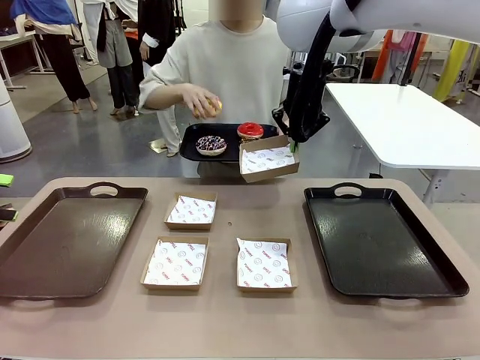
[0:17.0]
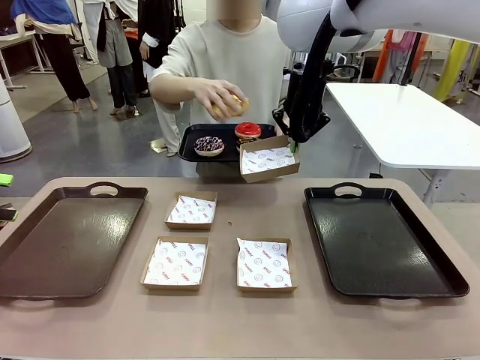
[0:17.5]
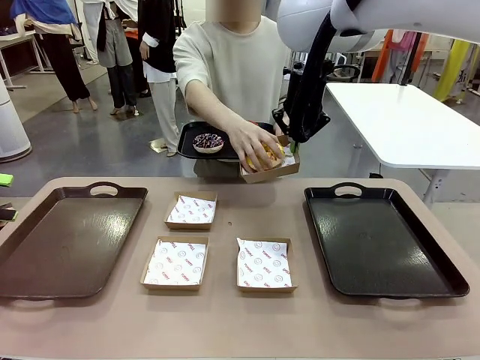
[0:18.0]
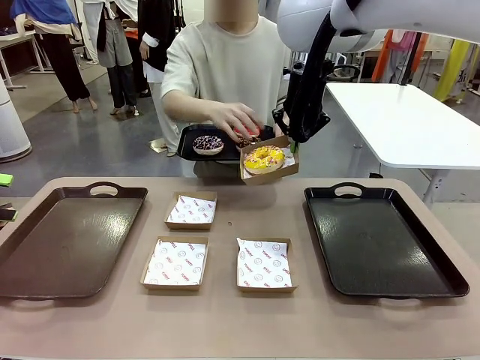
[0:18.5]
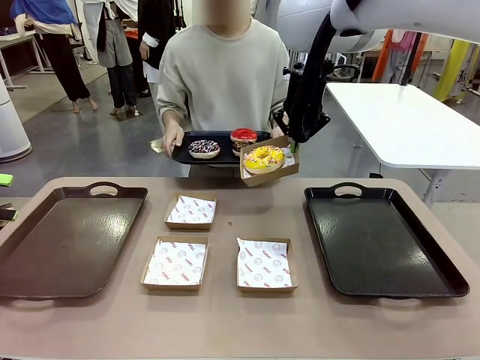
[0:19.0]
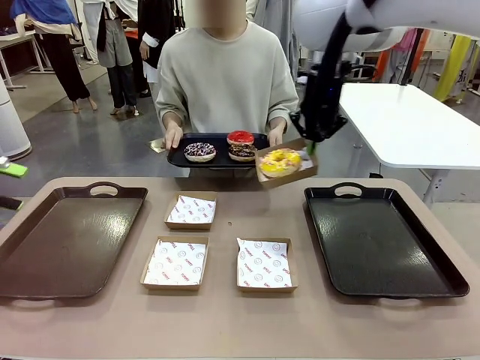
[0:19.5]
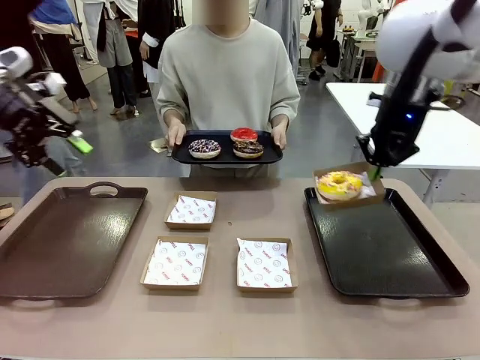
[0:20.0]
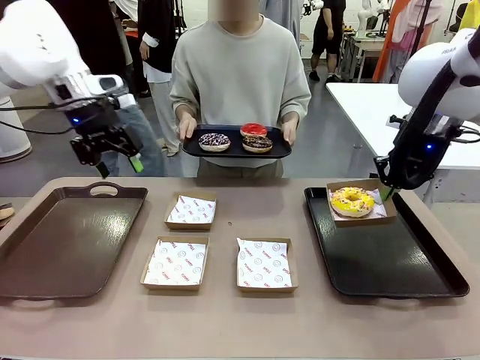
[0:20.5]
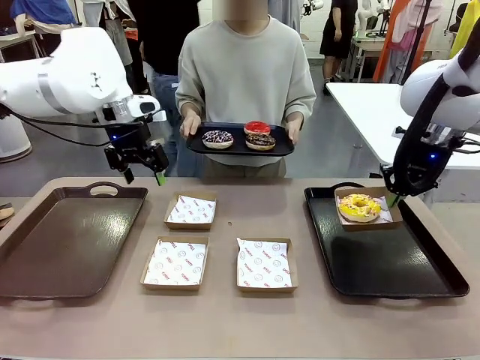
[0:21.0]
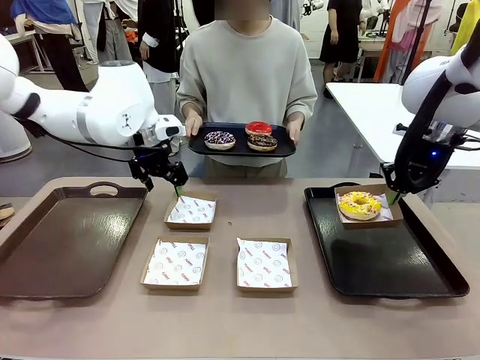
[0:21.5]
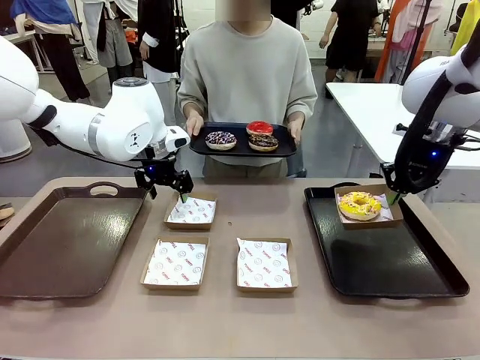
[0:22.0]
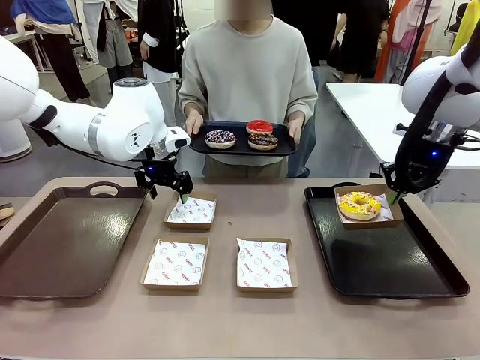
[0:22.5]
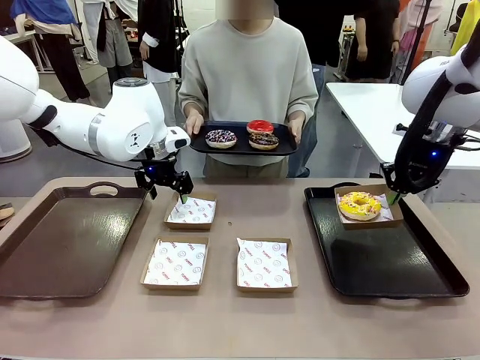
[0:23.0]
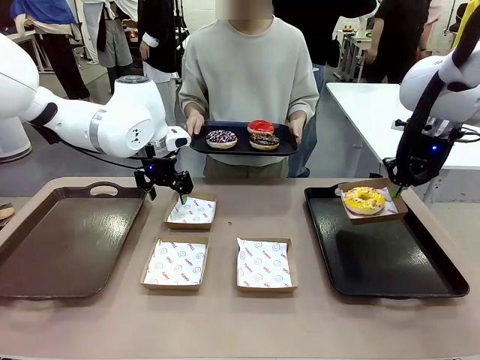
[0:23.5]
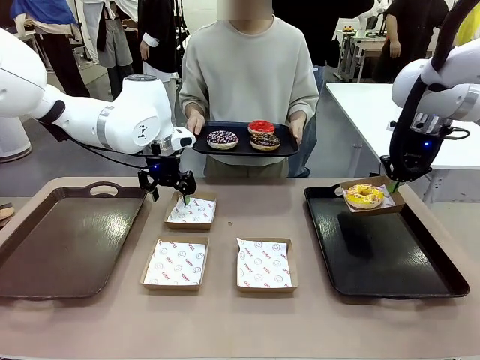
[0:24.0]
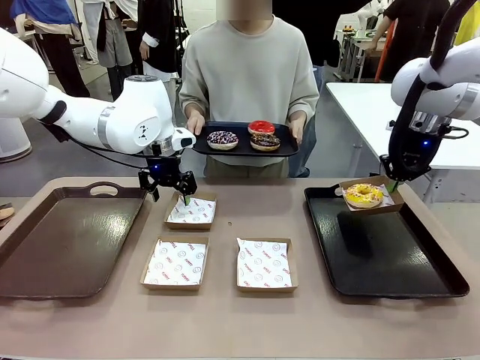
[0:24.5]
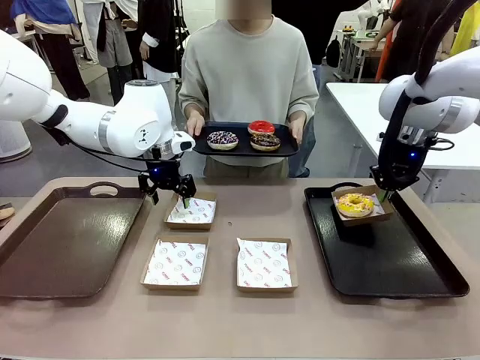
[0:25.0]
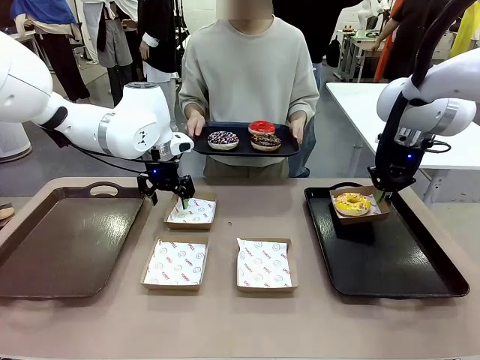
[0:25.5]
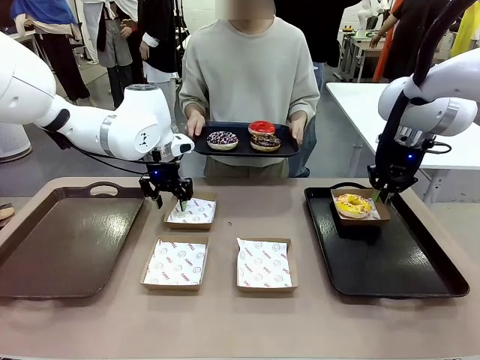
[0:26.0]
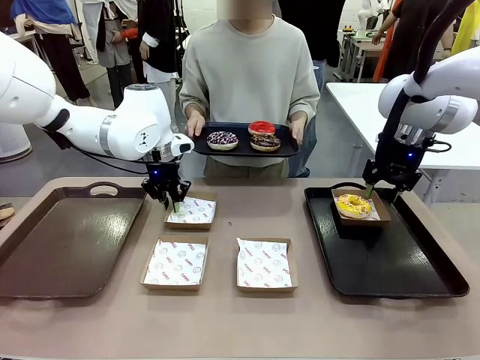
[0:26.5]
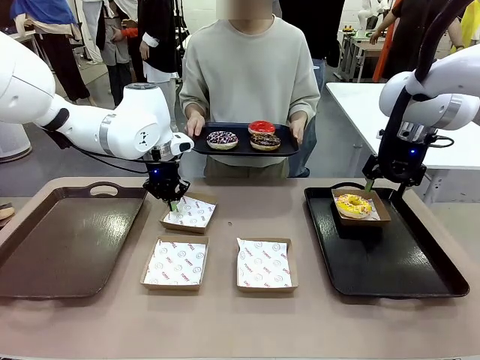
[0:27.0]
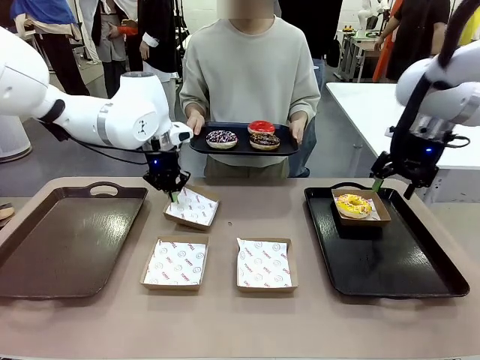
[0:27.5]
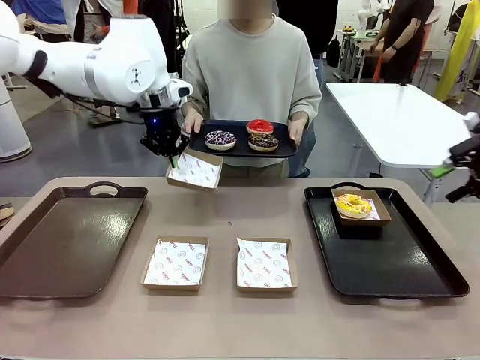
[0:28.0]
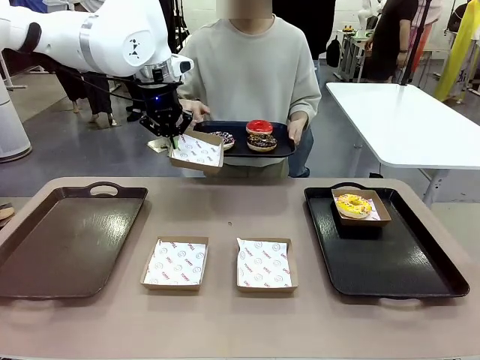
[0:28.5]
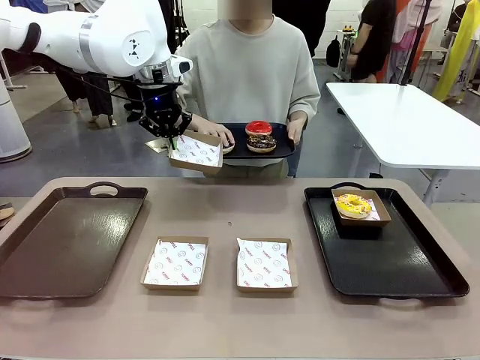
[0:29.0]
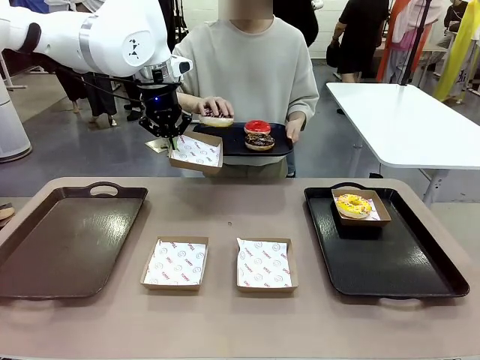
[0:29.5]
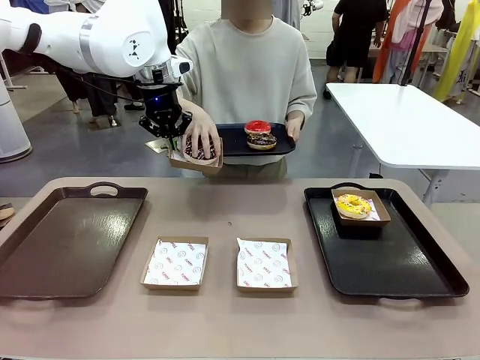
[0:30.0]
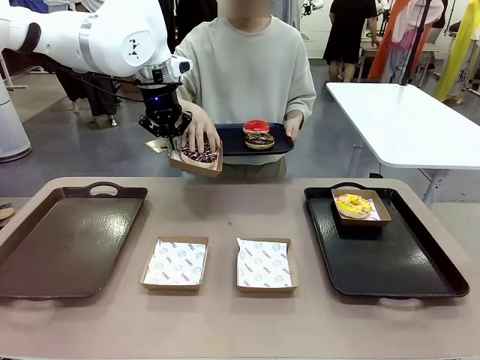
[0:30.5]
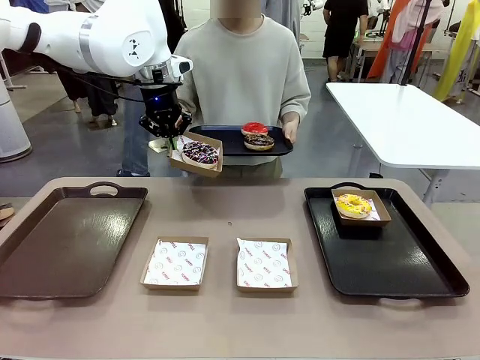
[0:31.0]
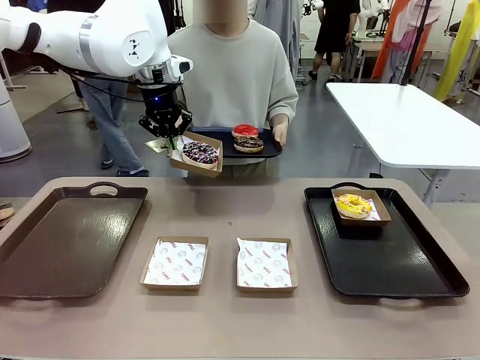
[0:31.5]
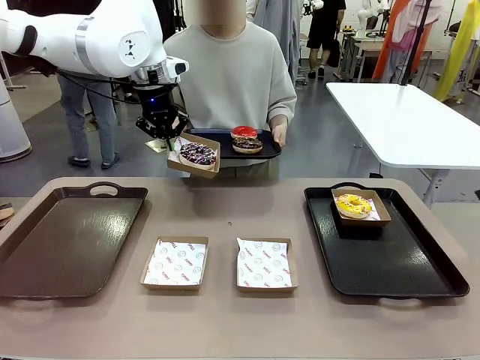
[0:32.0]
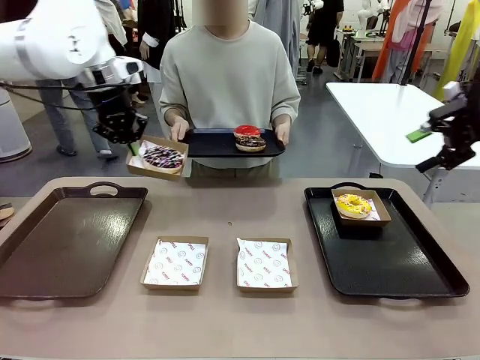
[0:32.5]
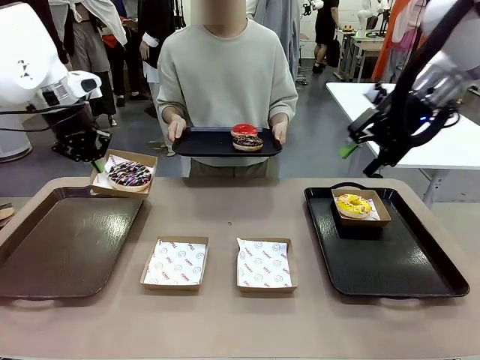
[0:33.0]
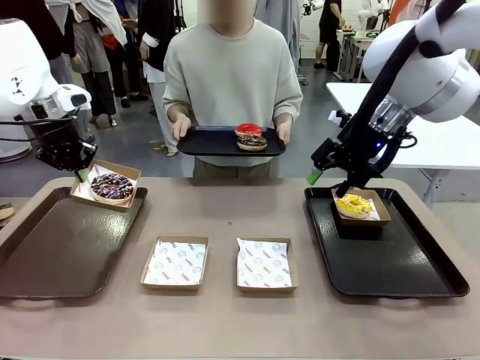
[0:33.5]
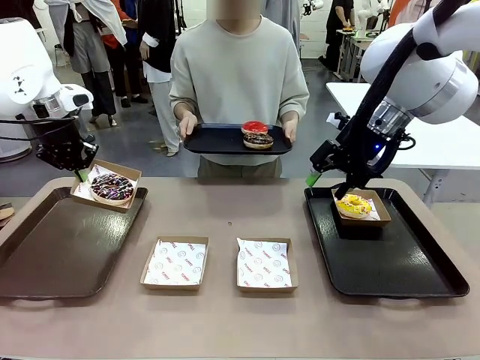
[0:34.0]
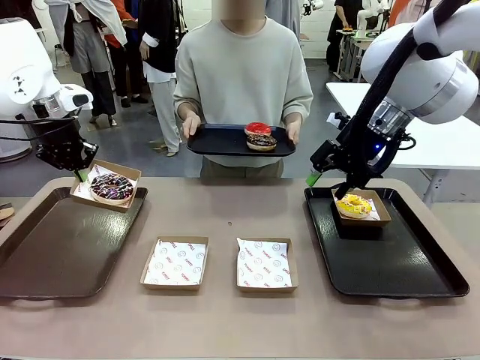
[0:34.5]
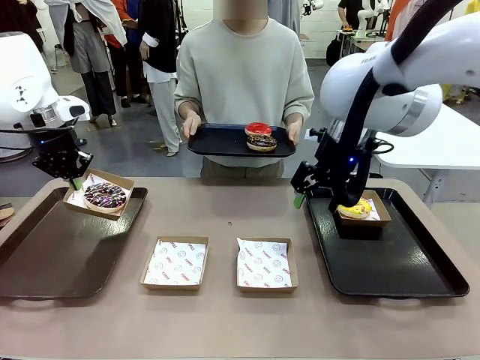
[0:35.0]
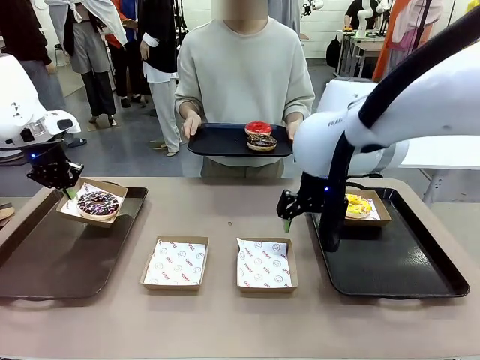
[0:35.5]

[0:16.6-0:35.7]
Task: Individually package the donuts and arrange them on the tray.
Robot: Place the picked Paper togo box on the Handle tray while simultaneously picking up another Paper togo box from the table with the other hand.
